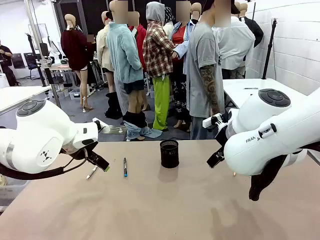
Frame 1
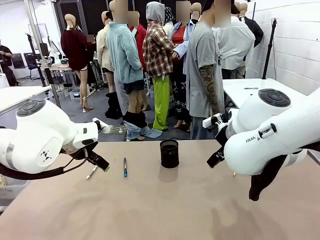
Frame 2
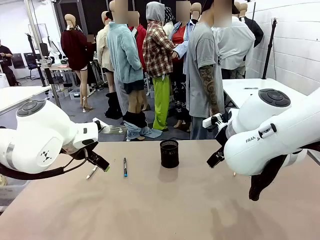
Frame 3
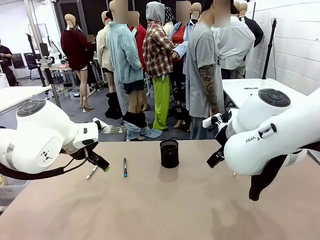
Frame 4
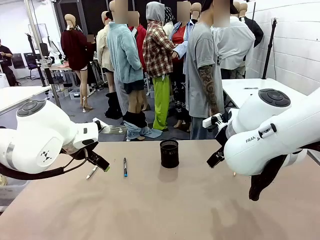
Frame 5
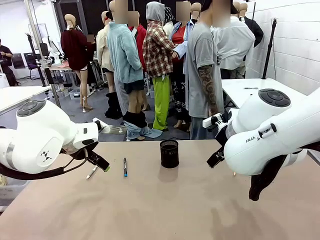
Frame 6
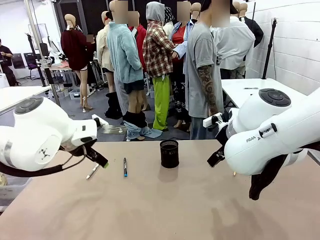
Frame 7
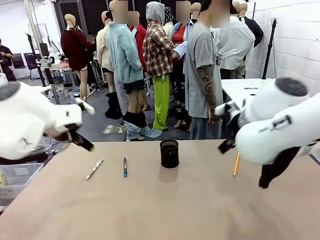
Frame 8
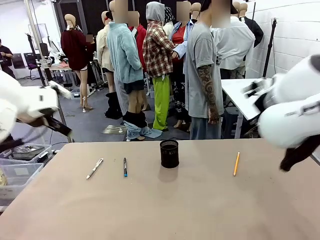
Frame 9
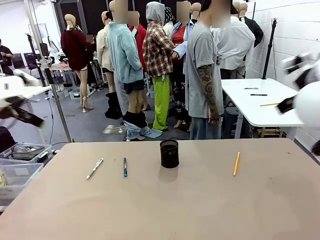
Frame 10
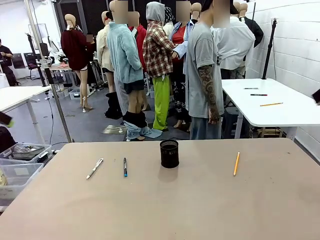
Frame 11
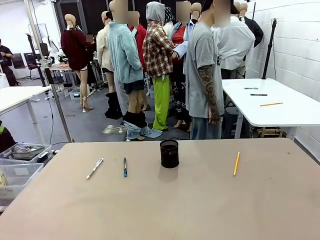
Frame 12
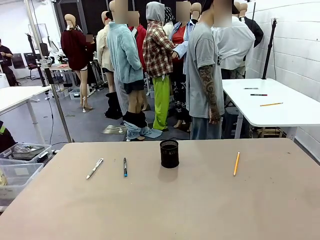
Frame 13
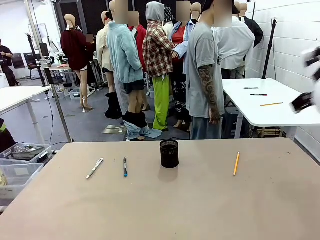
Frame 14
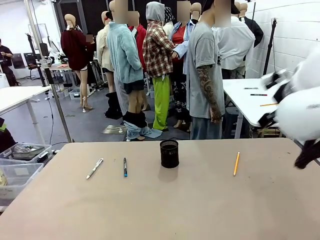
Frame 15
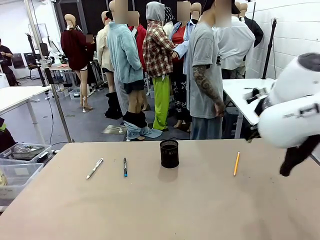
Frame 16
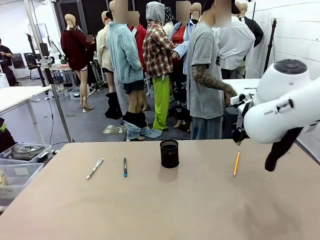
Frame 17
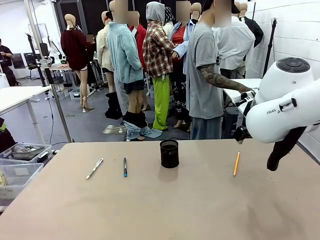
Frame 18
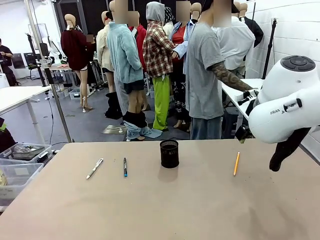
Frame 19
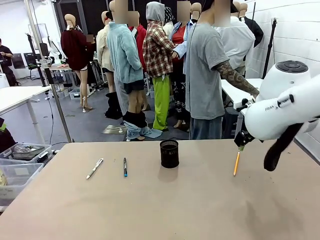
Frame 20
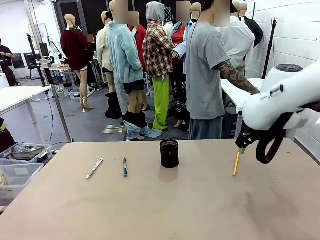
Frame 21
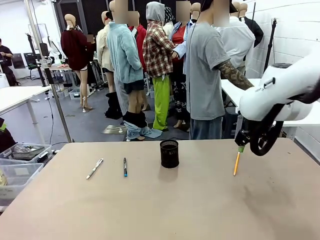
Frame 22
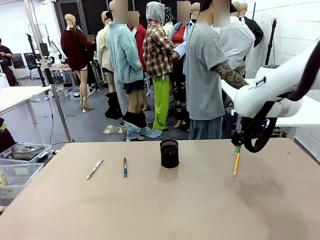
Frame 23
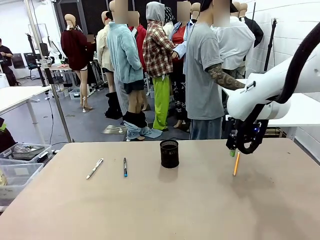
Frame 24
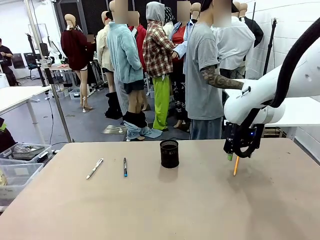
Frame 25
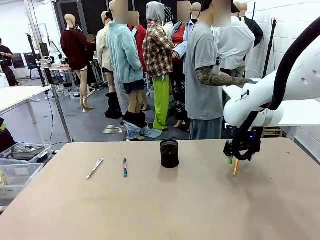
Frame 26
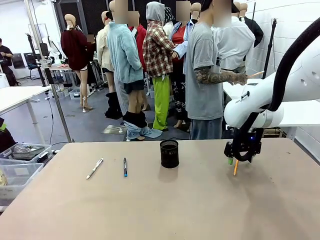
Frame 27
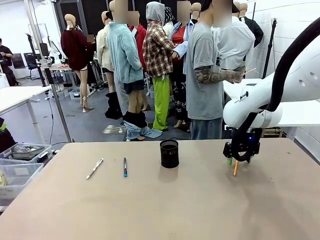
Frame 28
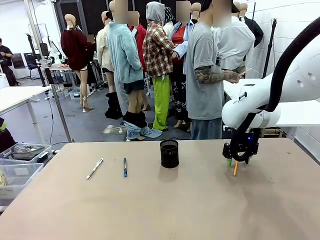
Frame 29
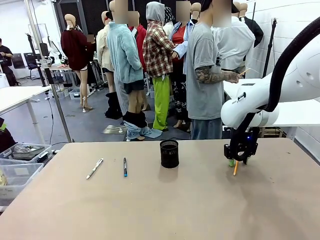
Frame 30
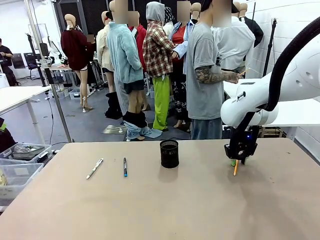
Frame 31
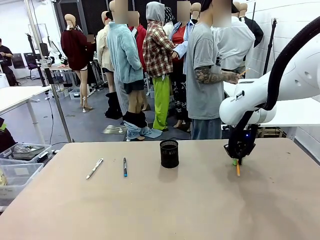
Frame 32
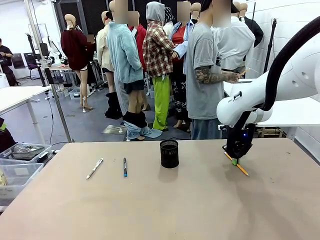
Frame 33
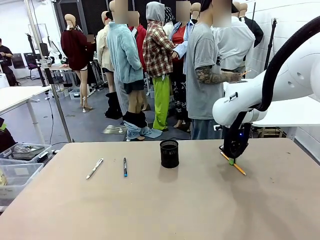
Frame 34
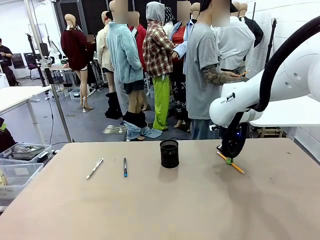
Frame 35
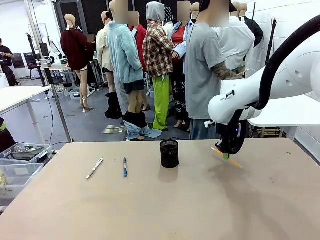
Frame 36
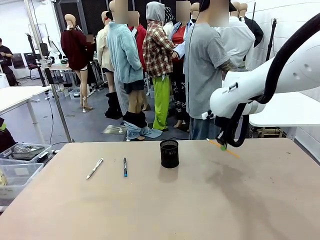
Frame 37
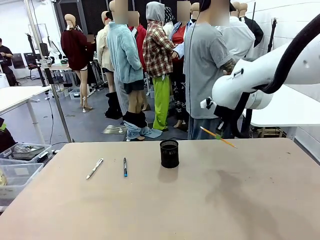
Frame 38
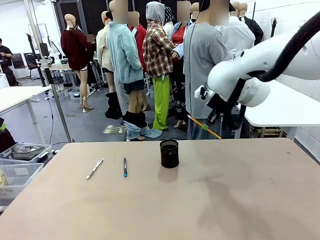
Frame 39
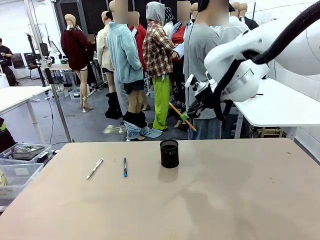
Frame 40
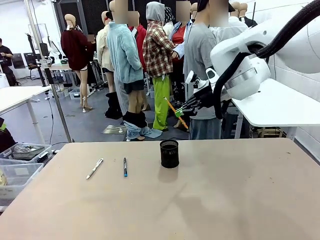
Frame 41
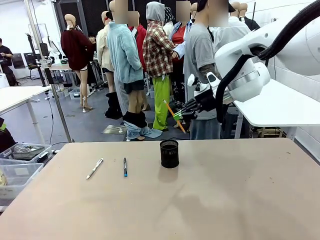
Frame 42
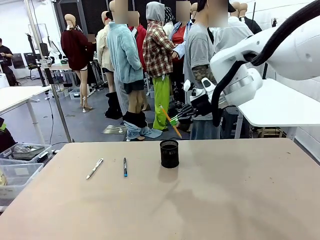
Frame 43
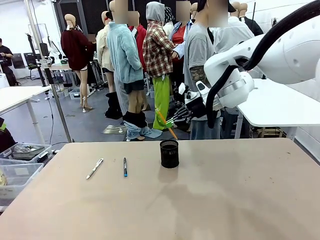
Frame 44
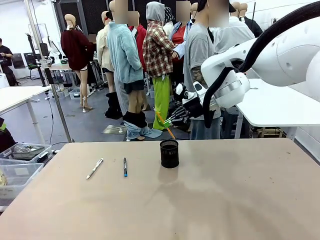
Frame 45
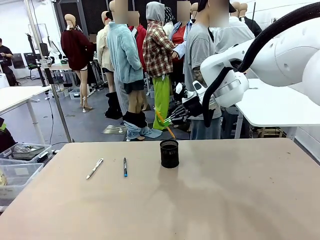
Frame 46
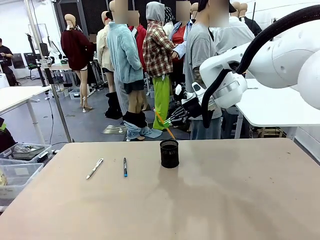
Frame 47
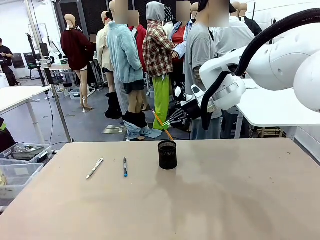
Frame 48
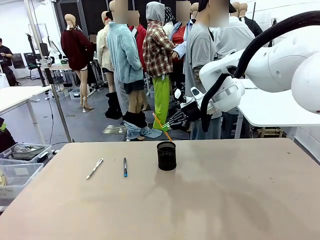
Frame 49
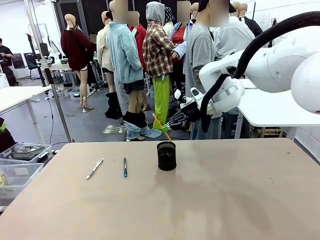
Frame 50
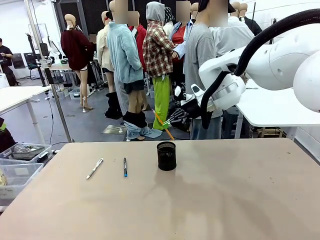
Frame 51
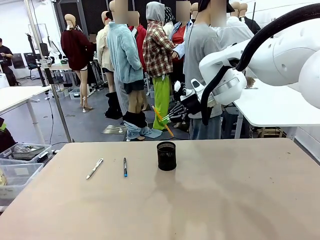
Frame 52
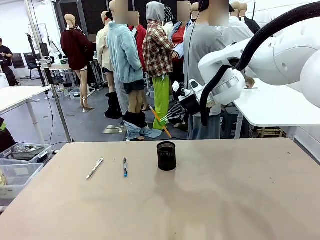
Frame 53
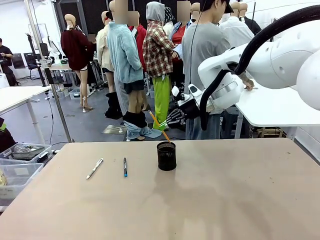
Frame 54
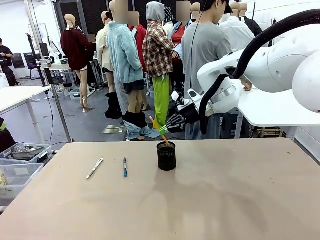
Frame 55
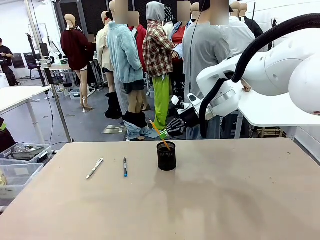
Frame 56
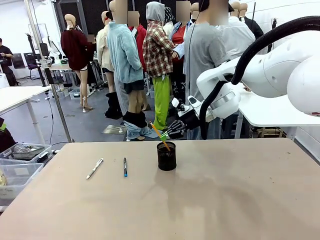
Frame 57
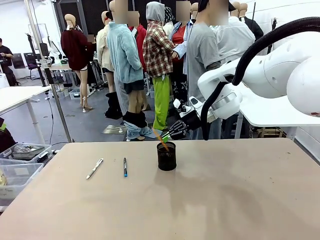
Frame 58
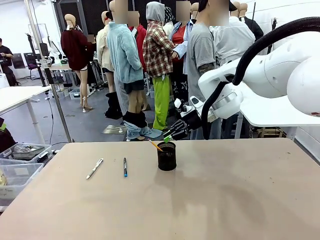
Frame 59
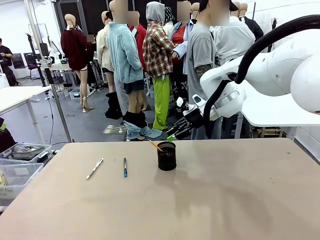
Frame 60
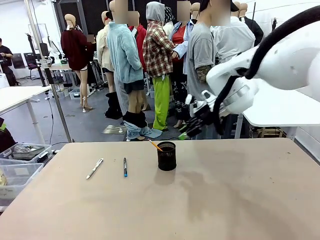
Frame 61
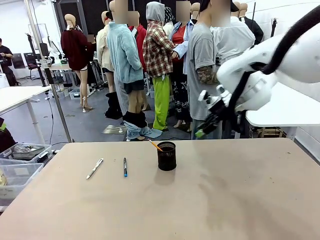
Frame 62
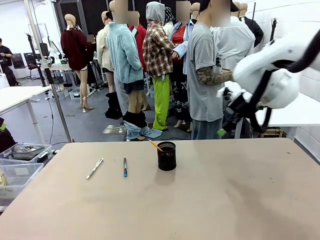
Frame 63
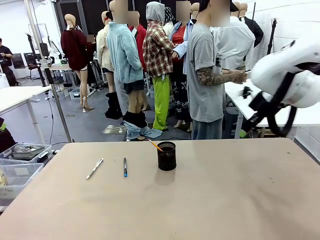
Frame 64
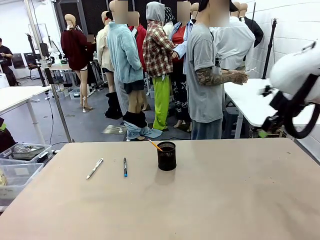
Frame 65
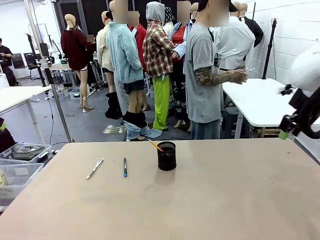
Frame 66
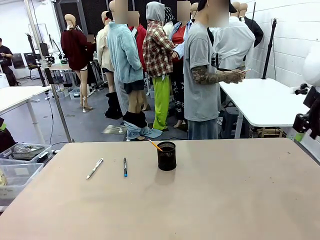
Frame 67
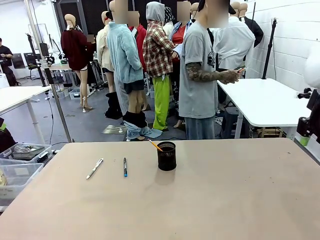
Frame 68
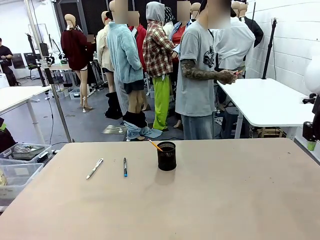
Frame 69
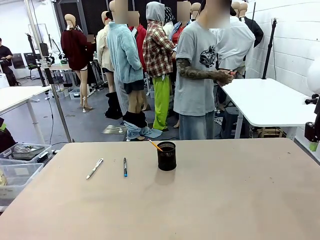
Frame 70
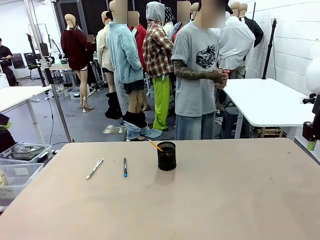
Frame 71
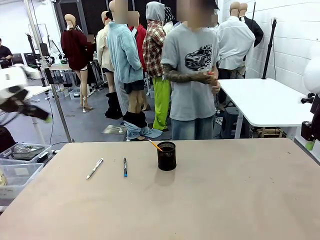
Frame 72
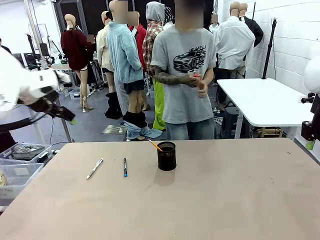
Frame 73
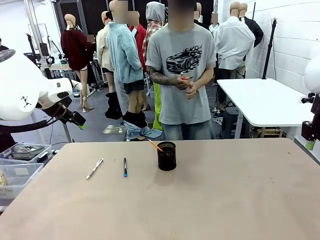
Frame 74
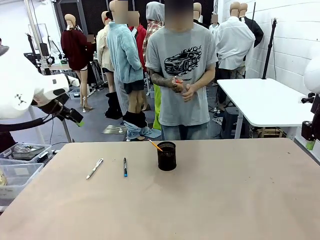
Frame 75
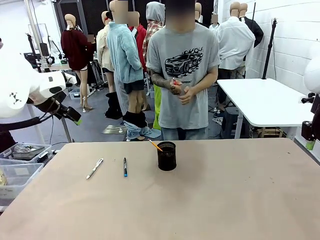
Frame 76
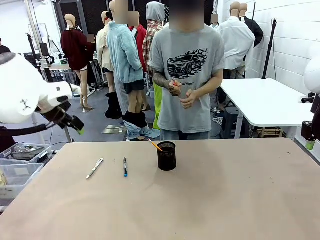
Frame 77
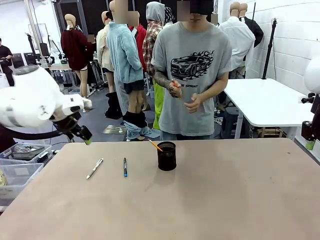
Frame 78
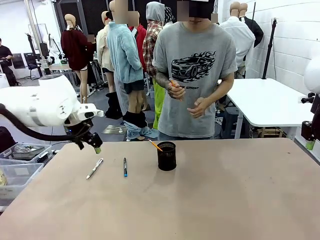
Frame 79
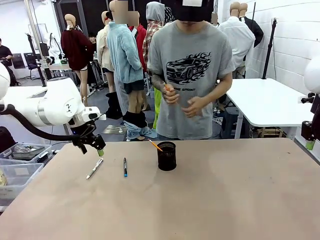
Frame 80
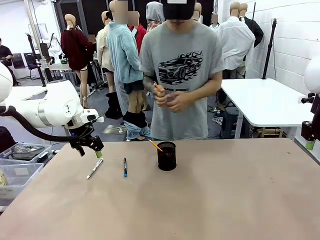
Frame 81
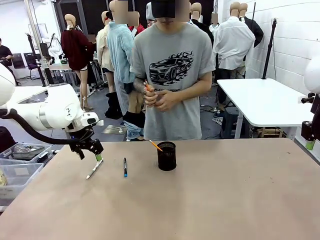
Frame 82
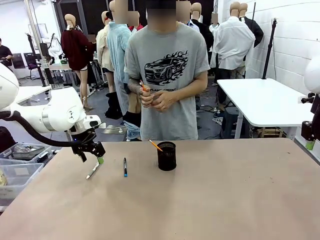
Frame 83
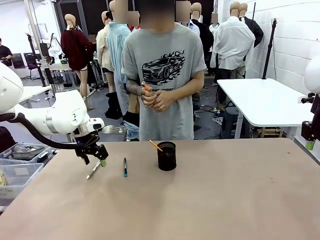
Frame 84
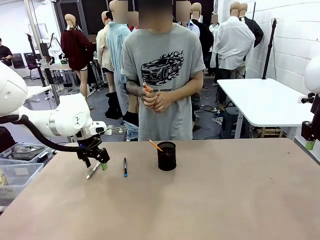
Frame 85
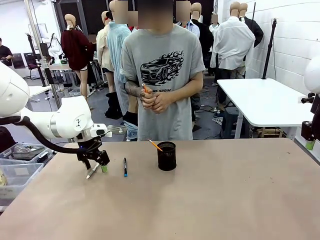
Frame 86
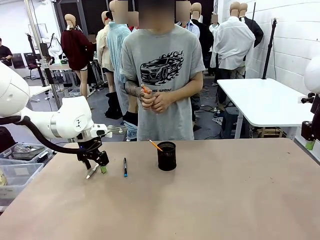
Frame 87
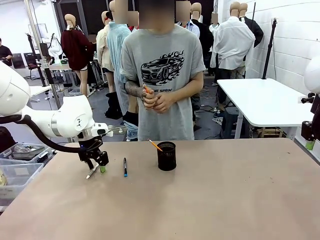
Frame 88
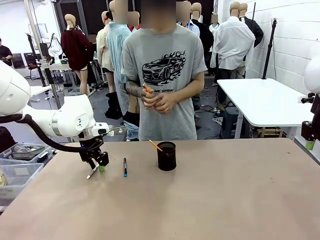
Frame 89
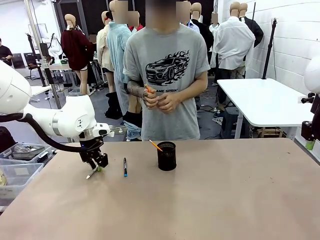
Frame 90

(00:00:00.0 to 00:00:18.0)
Task: Place the pens into the pen holder.
Robot: Pick up a writing instrument from the table and place it into the Pen holder.
Person: Pick up all writing instruments from the Human table.
